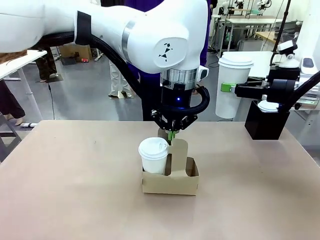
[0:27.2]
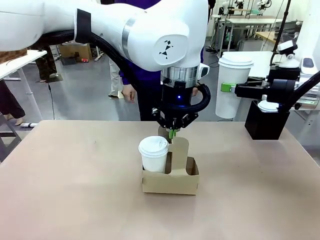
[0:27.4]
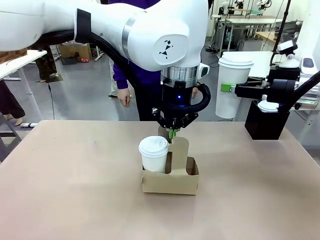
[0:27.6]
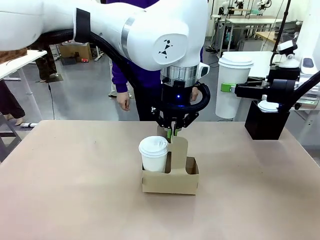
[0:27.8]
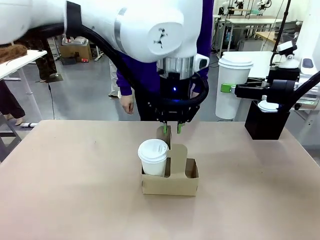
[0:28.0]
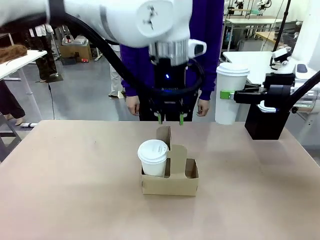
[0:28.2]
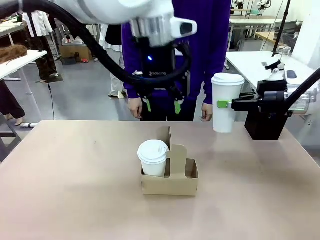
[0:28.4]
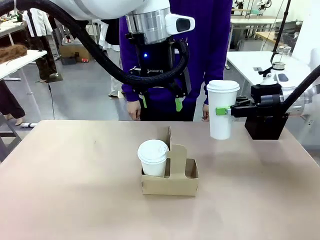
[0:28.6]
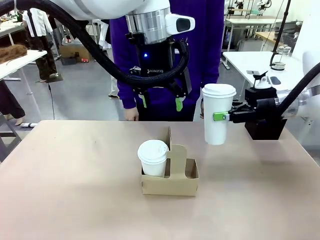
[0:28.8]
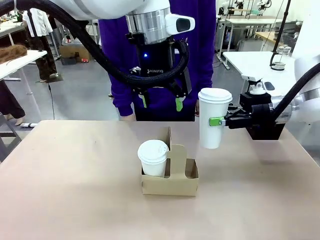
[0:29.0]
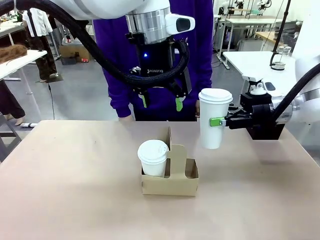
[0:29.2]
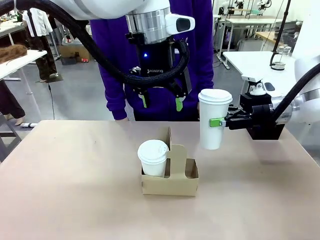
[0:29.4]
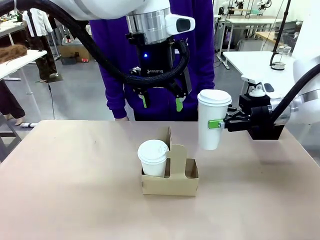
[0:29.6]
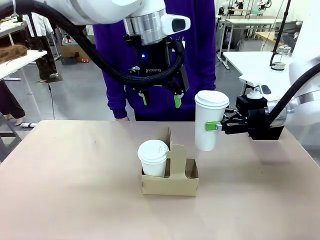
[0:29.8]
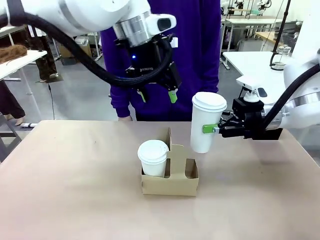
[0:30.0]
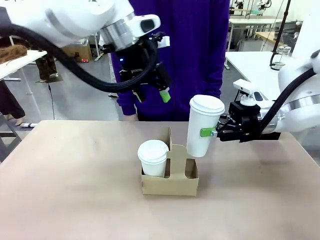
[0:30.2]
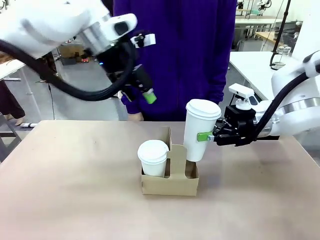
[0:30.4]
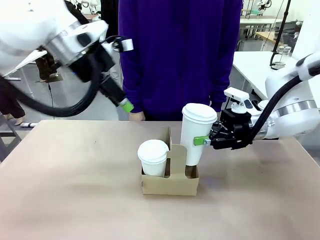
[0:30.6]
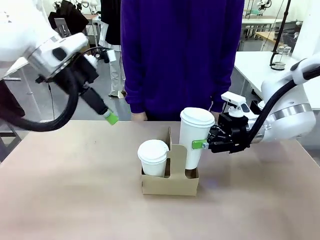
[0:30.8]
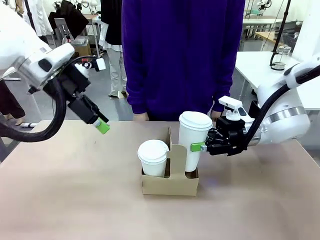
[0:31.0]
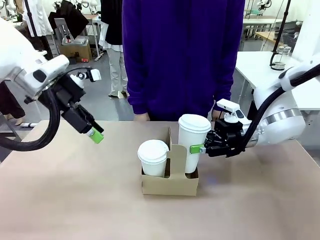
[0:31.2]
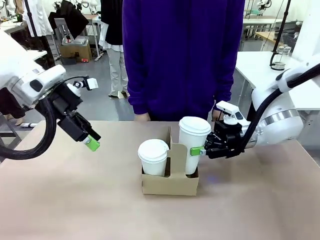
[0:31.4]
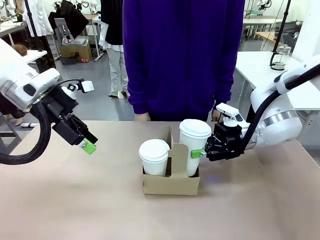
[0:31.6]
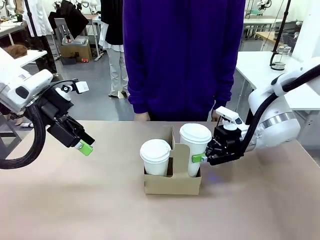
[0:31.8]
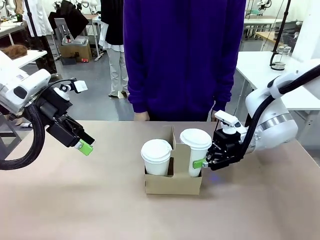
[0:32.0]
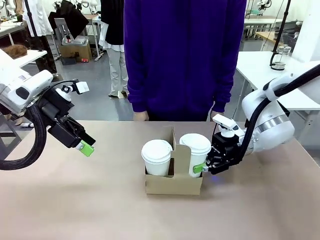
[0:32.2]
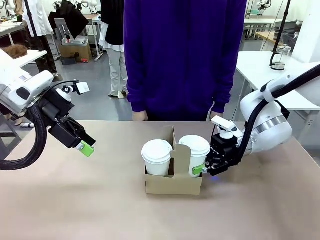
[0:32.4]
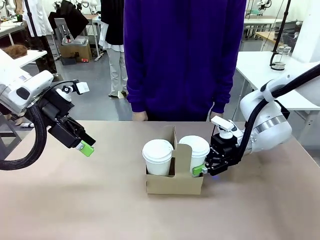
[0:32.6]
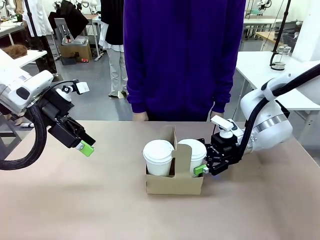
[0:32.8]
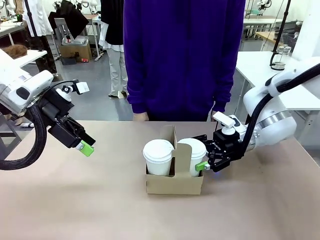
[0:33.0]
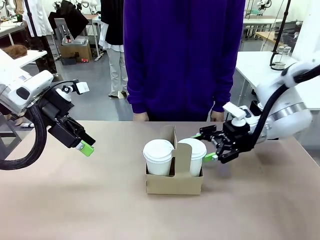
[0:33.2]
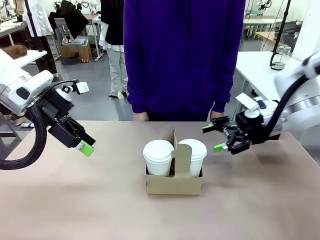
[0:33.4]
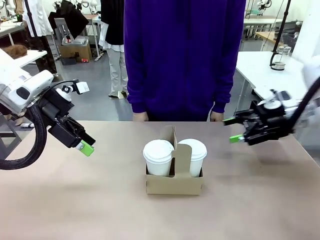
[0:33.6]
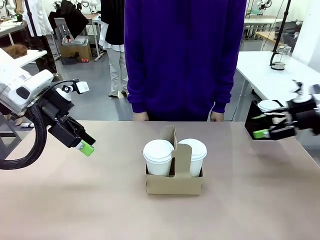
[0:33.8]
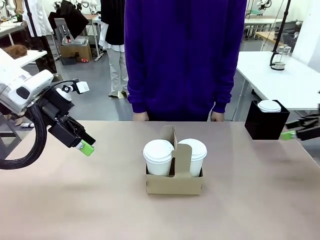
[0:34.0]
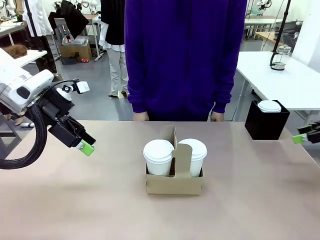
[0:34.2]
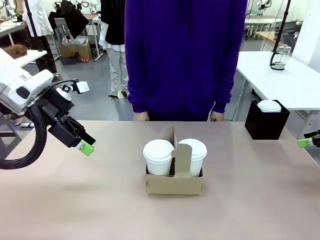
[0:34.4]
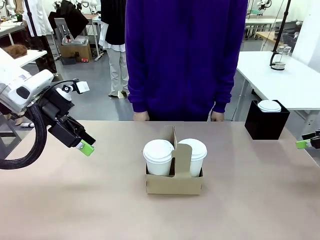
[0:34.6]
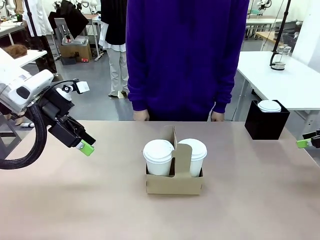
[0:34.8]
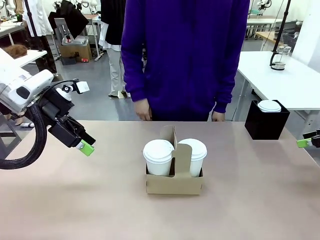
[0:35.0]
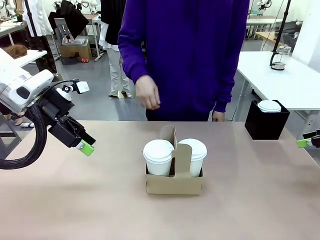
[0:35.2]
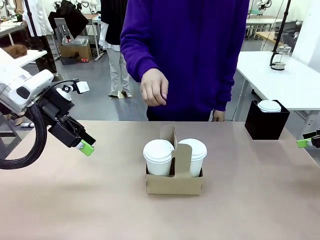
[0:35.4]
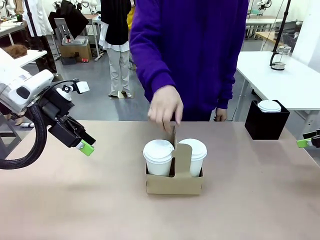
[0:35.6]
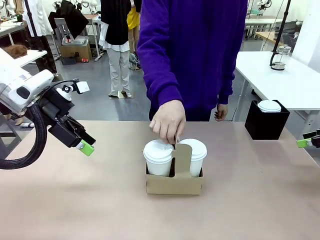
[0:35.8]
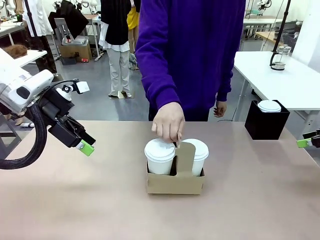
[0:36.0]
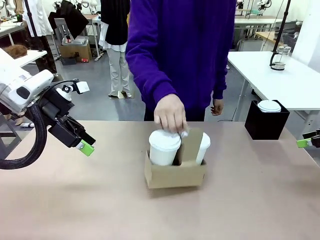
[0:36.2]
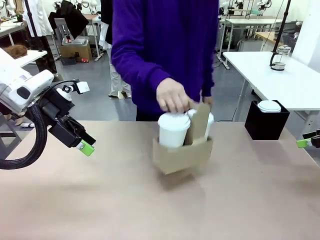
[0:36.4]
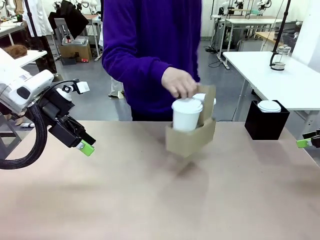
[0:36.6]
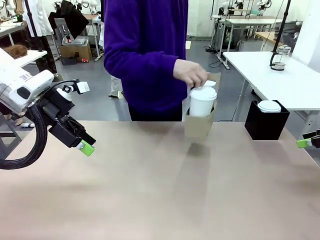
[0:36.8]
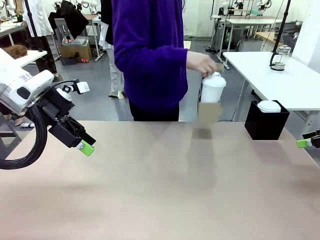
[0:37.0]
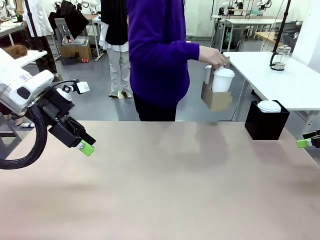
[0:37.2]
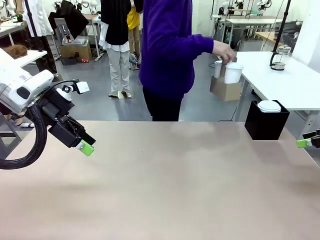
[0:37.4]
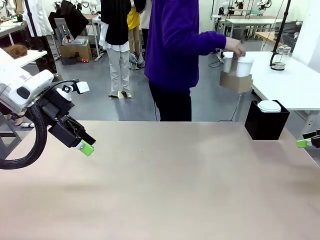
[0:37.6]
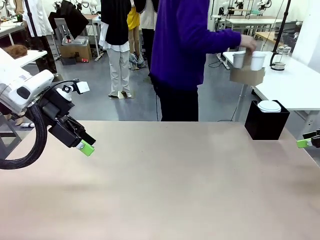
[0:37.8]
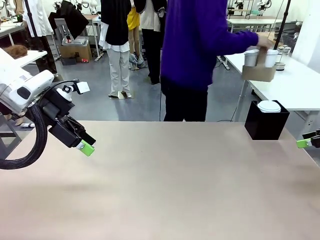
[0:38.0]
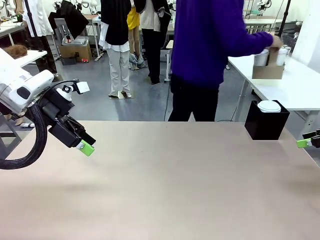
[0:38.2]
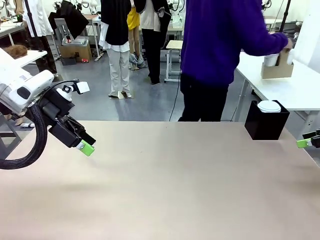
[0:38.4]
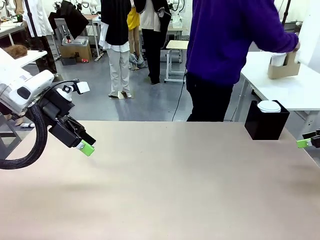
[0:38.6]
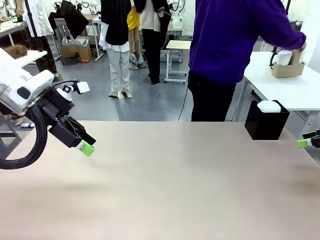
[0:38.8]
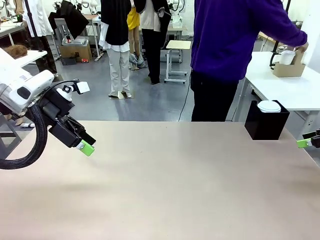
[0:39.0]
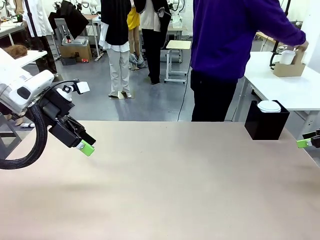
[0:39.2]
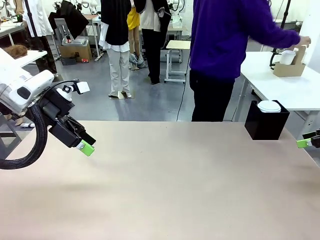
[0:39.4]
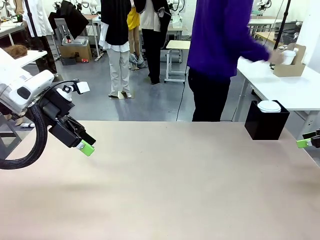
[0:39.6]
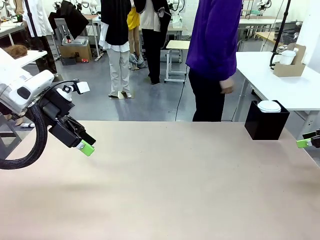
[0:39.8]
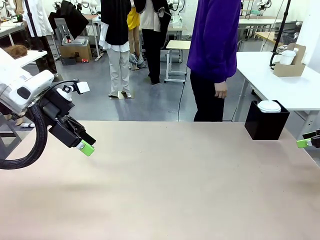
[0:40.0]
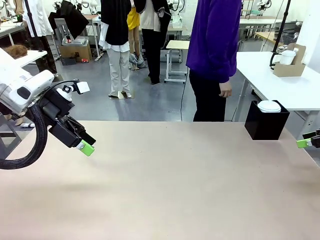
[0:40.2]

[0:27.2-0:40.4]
Task: Pour a drink into a cup and package it in a carrier.
Robot: Insert the held 600 ml Paper Cup into the Cup Carrier.
Person: Place the Cup Carrier to the middle of Human table.

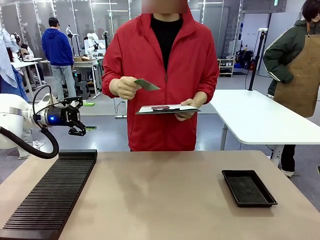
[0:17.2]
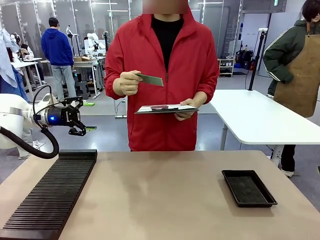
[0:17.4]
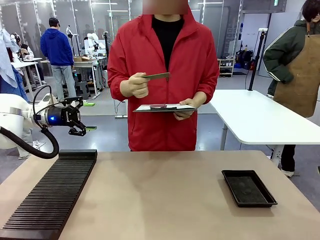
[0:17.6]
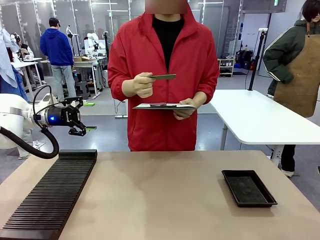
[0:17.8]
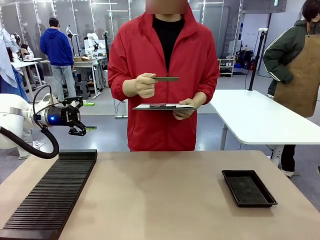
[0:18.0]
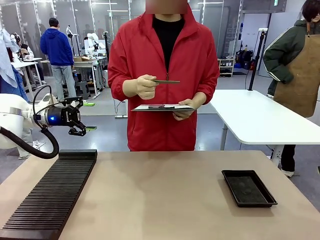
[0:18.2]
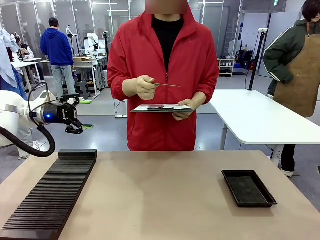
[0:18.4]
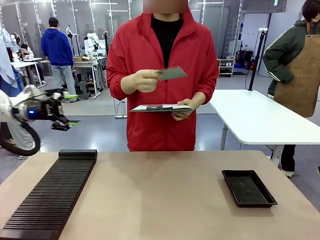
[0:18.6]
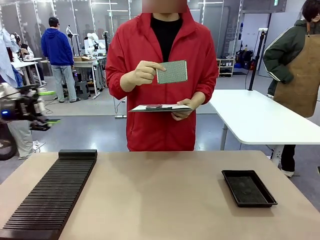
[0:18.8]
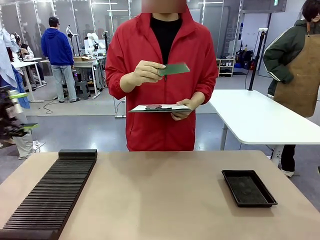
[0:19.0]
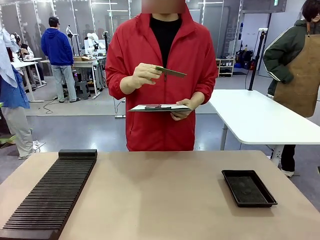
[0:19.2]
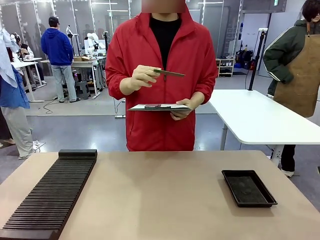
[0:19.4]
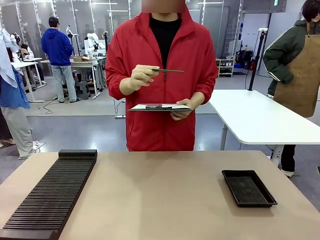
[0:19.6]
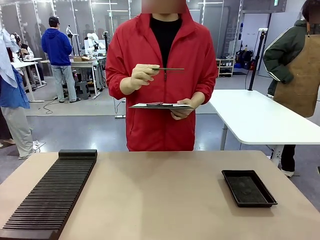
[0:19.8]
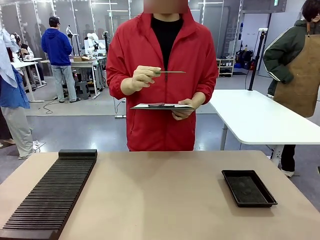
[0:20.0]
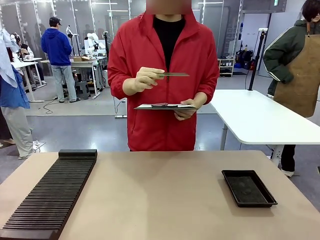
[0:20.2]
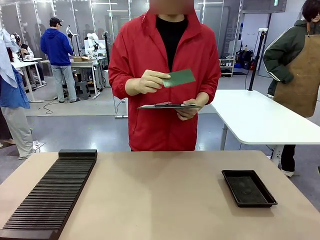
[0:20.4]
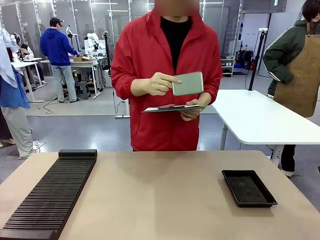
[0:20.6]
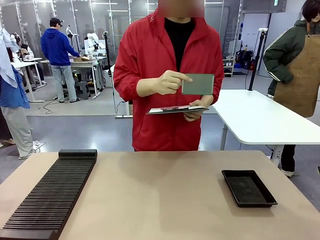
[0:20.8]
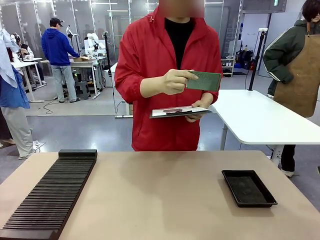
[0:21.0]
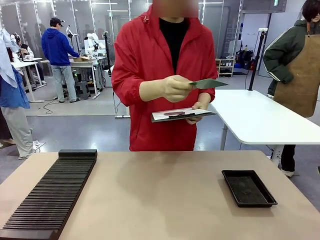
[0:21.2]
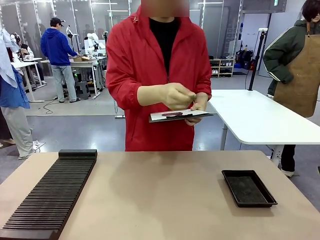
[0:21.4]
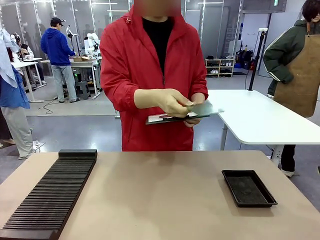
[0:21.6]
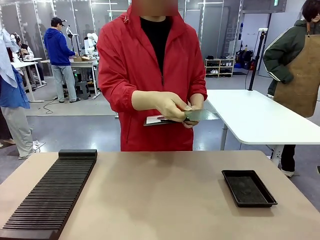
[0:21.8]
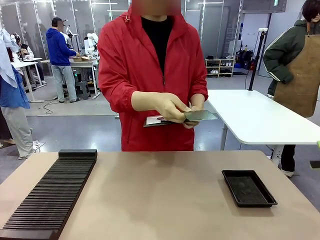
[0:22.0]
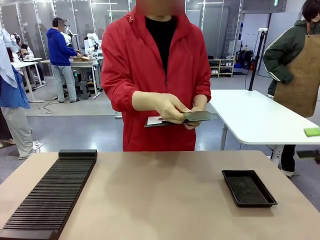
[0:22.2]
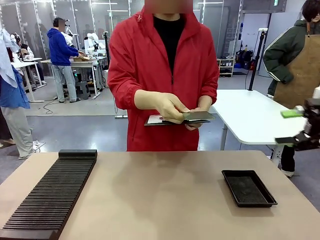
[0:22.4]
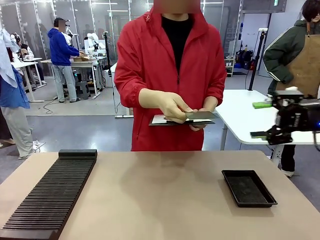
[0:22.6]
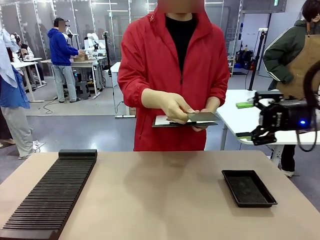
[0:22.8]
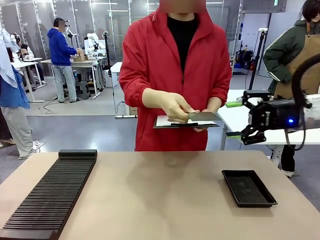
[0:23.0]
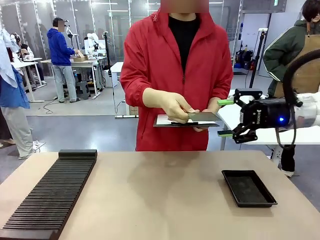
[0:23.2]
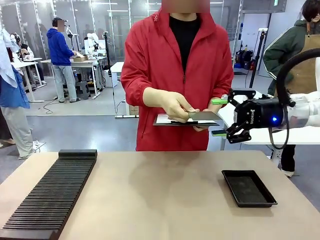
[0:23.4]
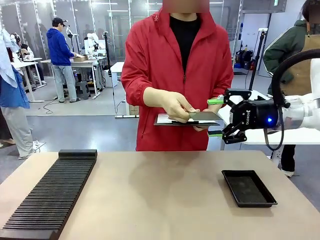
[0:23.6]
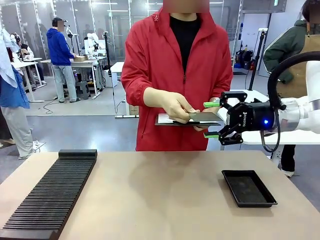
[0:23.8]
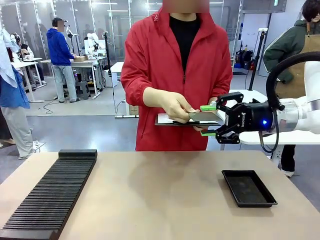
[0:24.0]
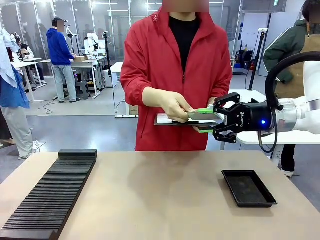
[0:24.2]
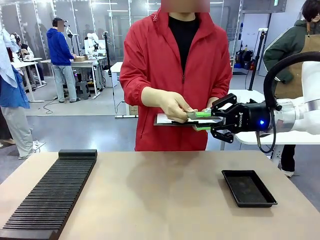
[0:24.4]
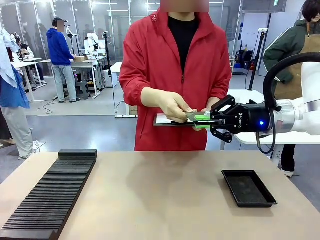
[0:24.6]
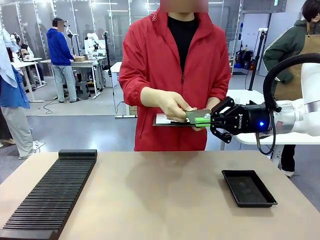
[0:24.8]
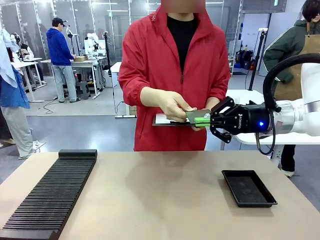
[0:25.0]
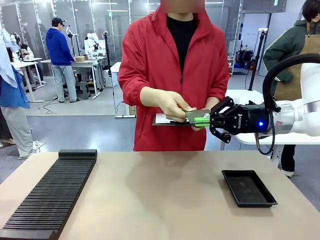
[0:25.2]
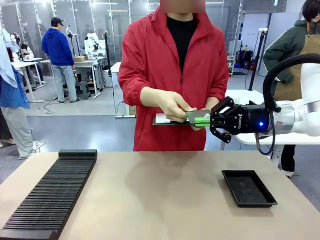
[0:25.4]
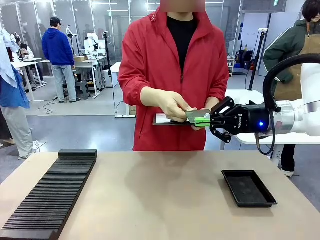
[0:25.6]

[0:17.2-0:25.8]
Task: Inspect the PCB.
Robot: Pick up the Blank PCB that the human is holding.
Person: Inspect the PCB placed by the robot, then hold it out in front of the robot. Release the PCB you were holding.
